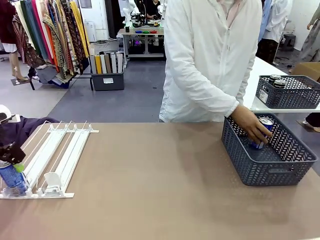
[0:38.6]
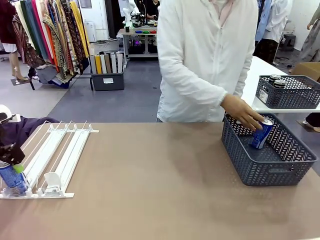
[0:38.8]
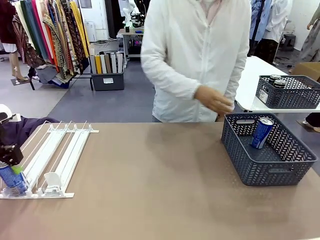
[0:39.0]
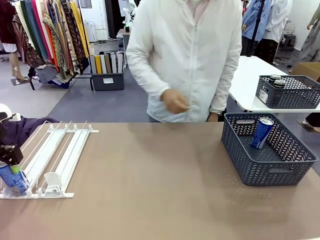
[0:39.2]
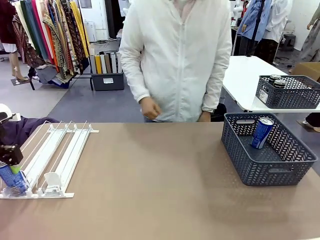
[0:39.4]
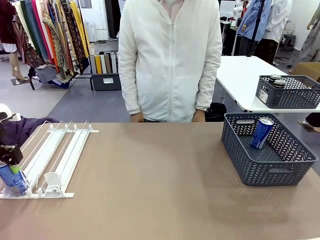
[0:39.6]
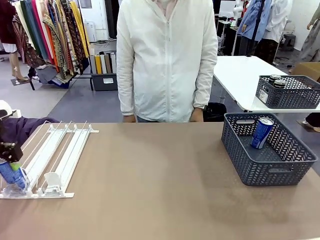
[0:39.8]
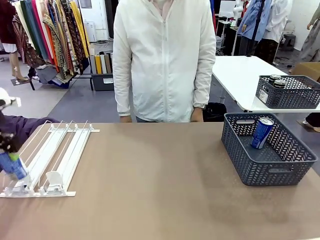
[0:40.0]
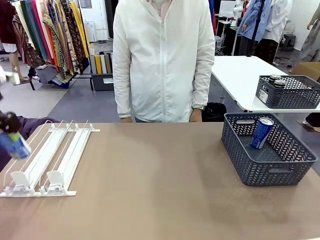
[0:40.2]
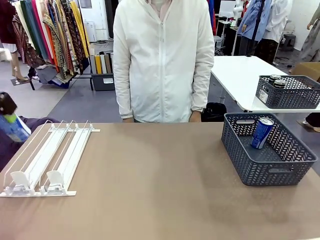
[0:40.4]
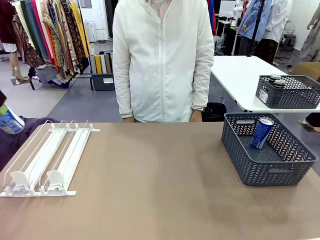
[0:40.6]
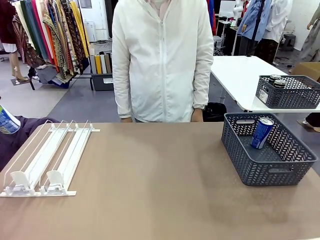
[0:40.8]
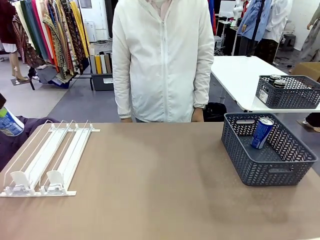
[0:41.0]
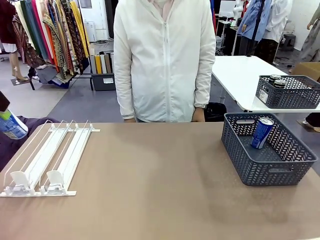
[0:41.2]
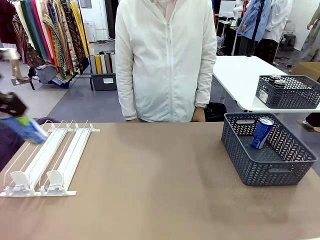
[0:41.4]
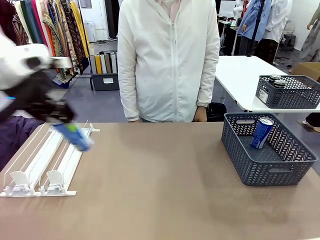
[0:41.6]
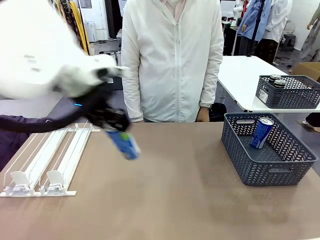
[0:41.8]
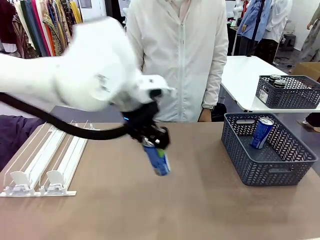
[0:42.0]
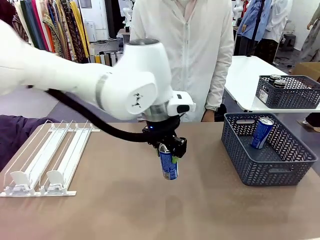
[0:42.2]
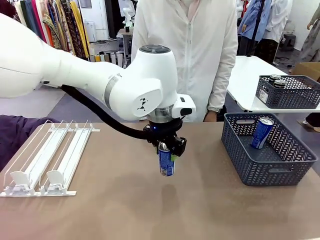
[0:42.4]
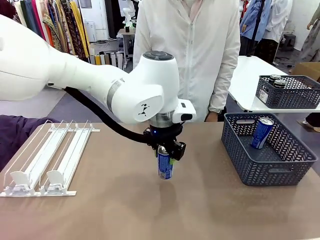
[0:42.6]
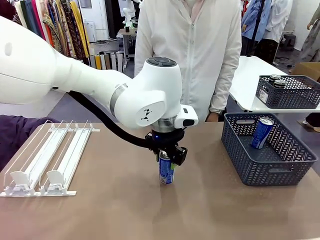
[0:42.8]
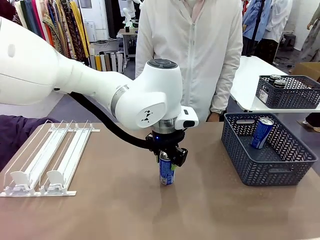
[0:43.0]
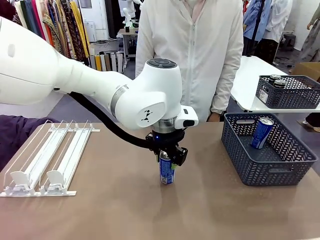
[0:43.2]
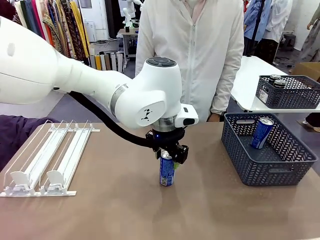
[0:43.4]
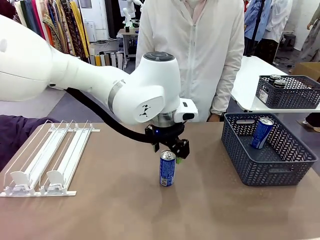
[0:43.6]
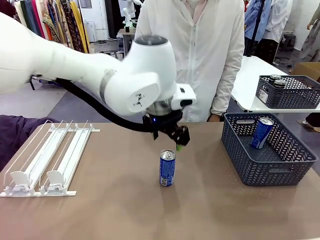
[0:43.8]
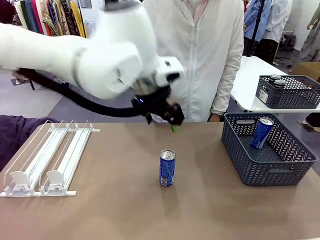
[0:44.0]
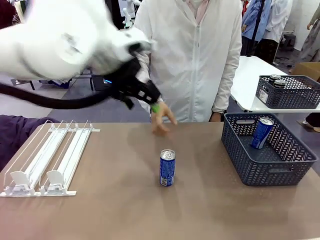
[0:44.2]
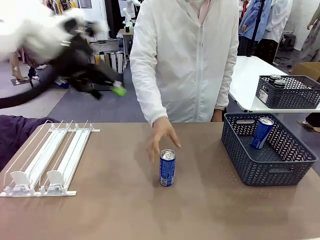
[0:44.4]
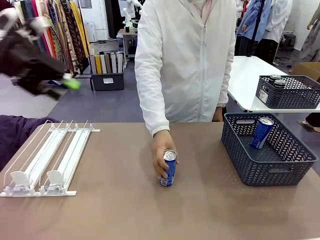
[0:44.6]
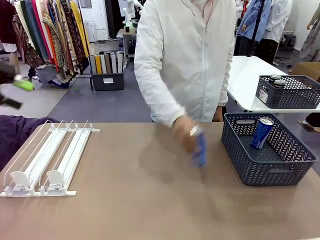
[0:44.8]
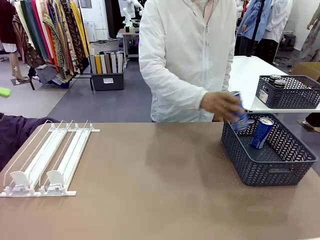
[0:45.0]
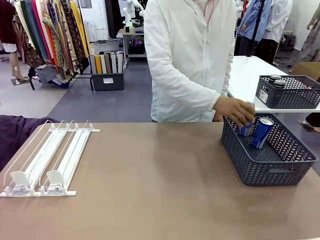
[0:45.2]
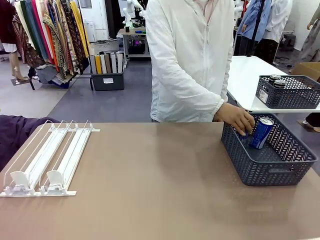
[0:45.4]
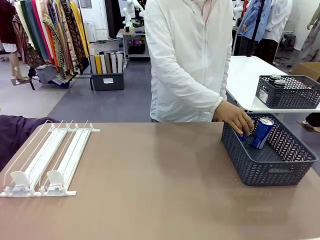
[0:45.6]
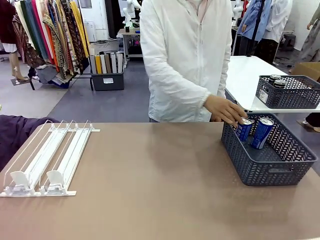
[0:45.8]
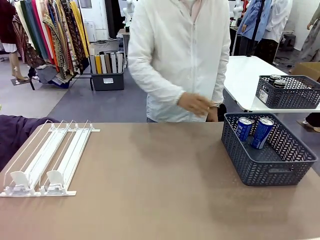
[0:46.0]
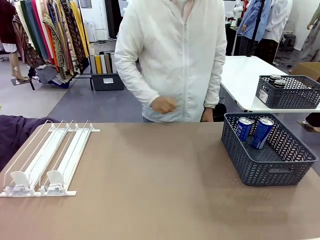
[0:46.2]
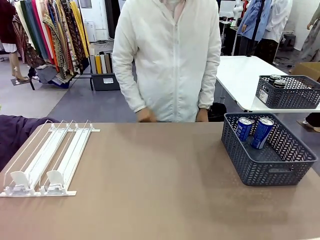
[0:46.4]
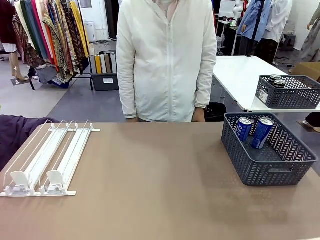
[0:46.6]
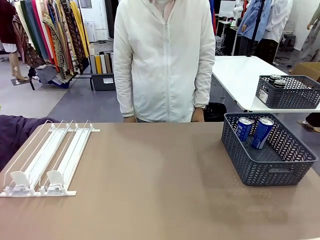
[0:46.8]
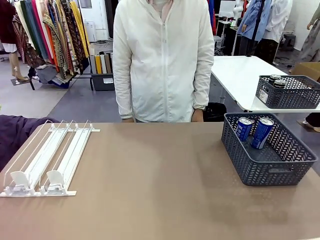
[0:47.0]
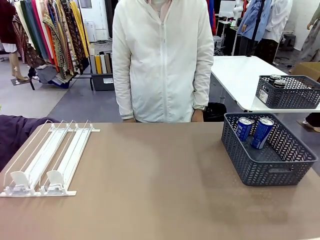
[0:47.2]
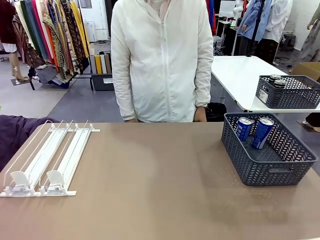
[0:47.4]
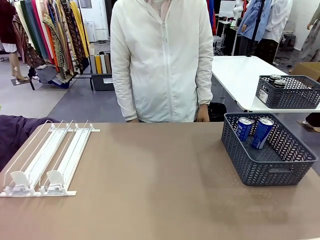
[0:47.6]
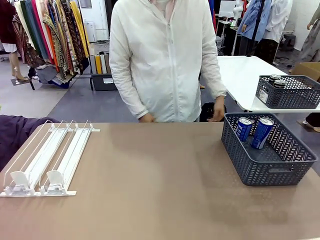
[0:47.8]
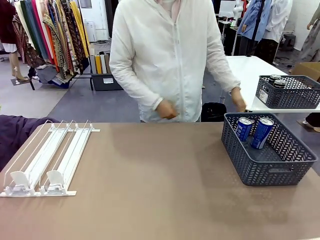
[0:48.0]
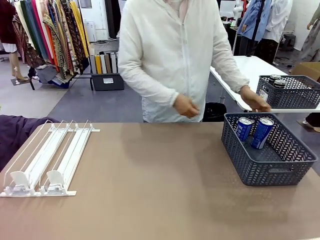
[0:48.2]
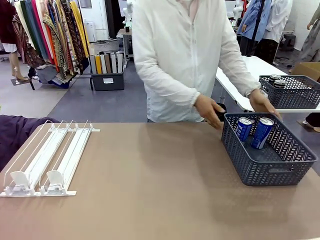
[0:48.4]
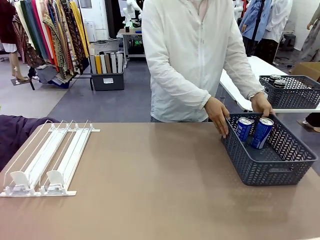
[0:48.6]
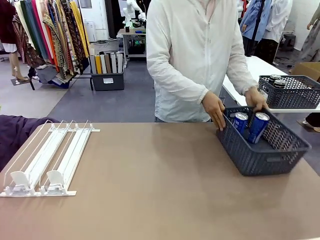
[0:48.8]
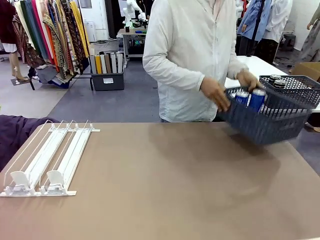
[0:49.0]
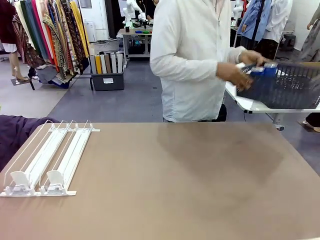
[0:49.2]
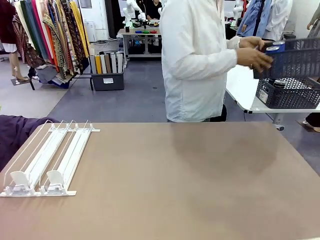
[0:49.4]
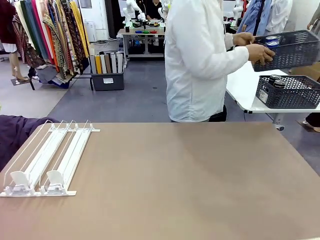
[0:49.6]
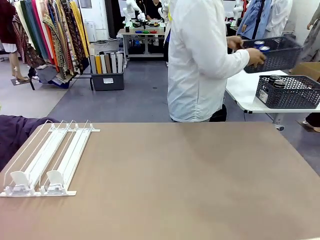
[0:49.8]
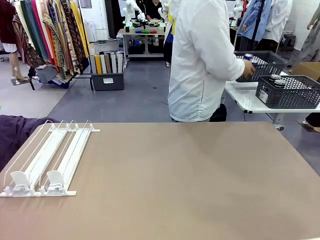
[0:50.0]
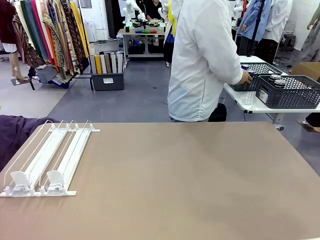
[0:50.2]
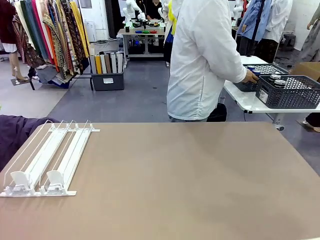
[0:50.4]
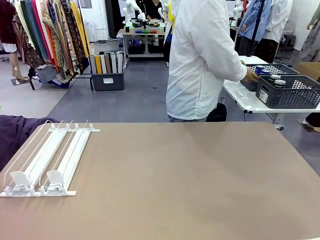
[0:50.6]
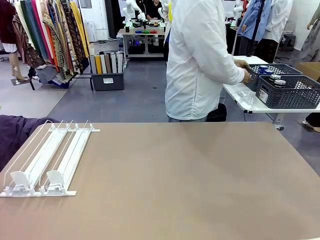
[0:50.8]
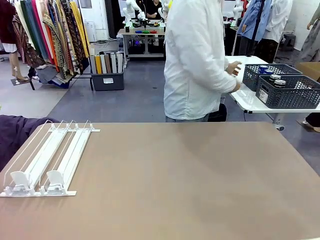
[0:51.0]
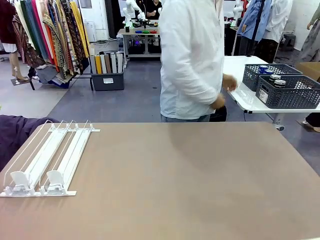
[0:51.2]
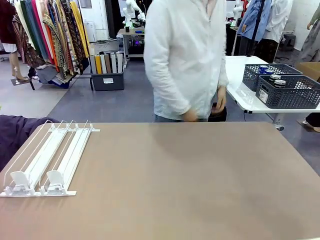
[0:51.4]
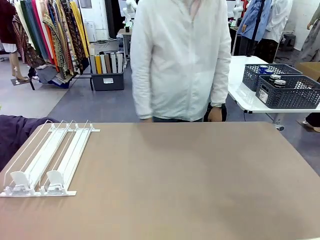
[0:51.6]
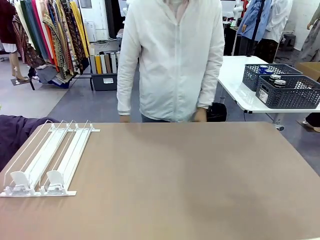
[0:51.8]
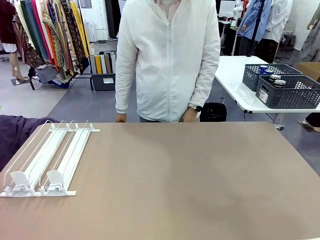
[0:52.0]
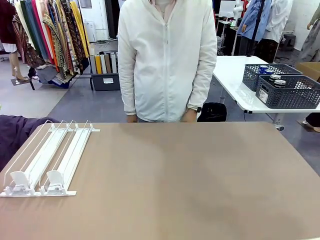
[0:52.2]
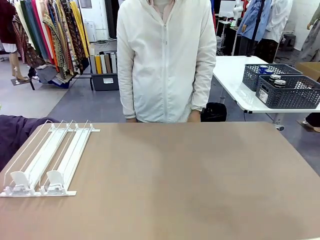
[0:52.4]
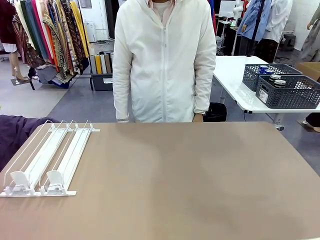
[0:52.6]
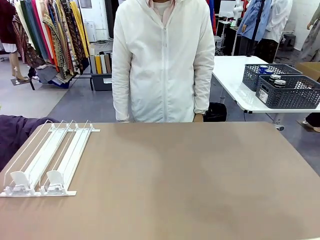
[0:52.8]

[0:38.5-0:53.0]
Task: Retrieve and store the cans from the dispenser.
Robot: Pick up one can from the Automatic Can Dispenser and place it in the middle of the table.
Person: Pick up one sports drink can from the middle of the robot table and place it in the basket. Pick up the basket and place it in the middle of the human table.

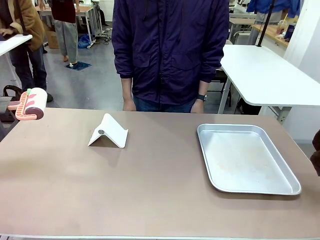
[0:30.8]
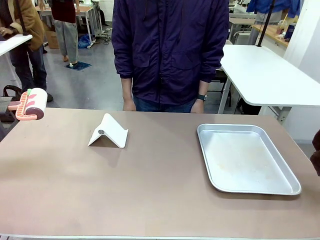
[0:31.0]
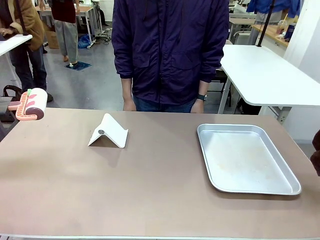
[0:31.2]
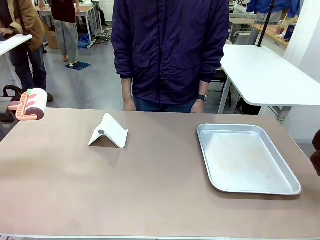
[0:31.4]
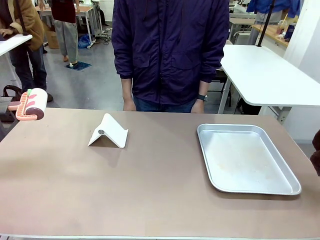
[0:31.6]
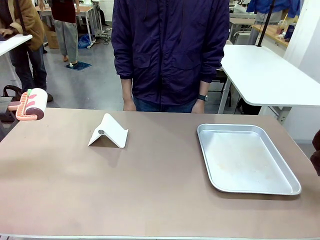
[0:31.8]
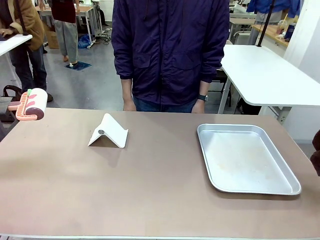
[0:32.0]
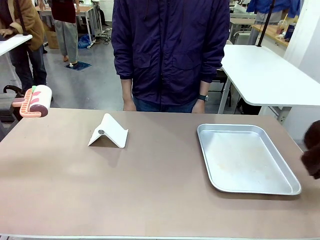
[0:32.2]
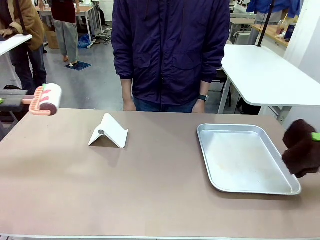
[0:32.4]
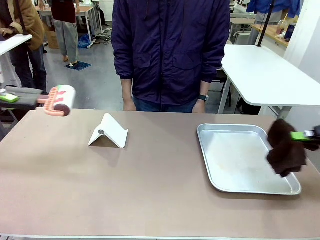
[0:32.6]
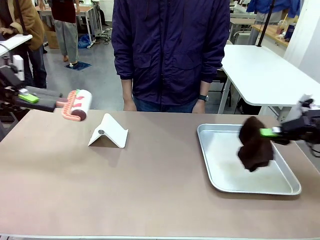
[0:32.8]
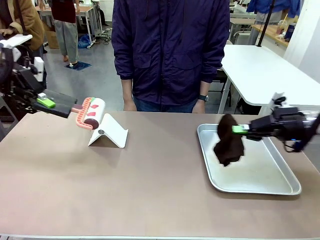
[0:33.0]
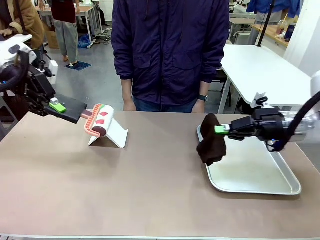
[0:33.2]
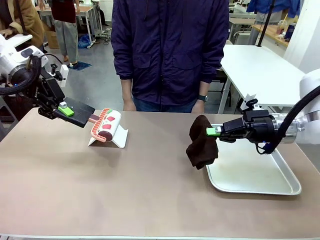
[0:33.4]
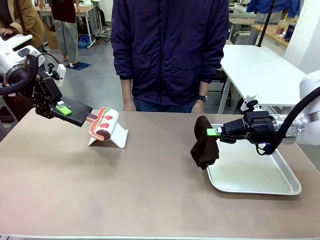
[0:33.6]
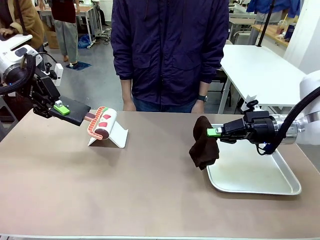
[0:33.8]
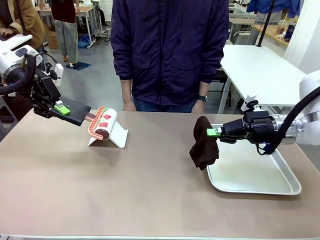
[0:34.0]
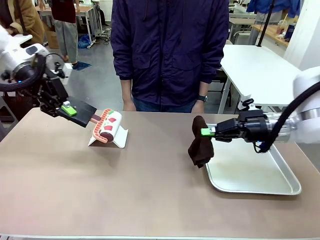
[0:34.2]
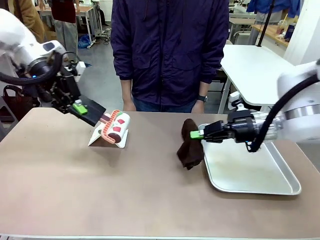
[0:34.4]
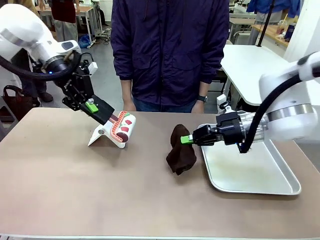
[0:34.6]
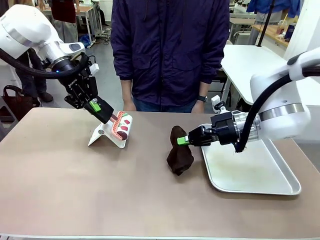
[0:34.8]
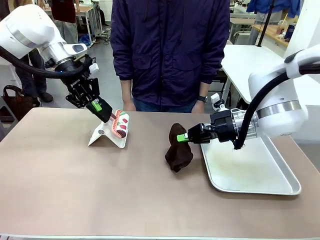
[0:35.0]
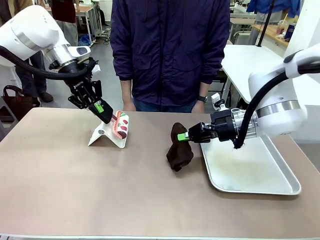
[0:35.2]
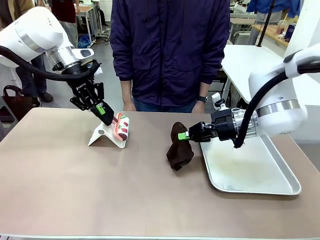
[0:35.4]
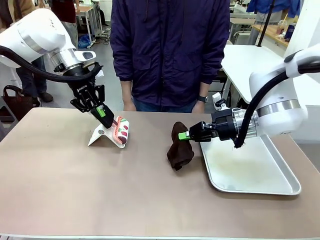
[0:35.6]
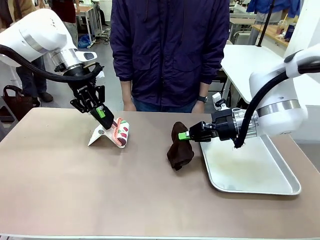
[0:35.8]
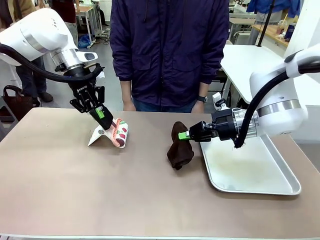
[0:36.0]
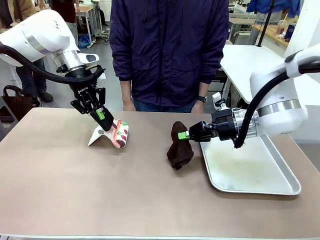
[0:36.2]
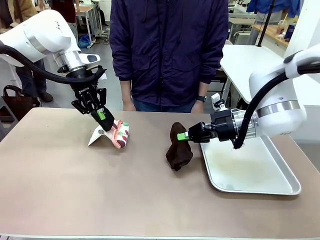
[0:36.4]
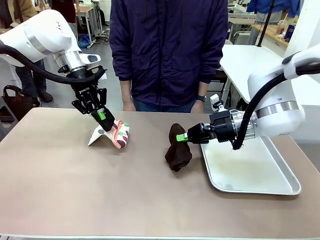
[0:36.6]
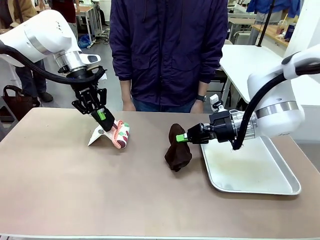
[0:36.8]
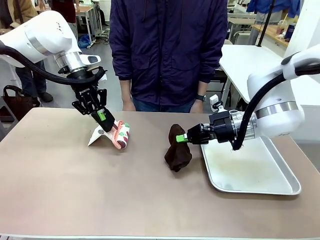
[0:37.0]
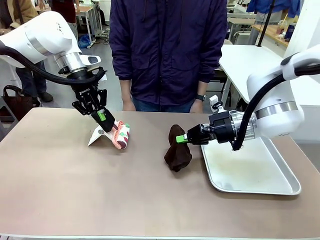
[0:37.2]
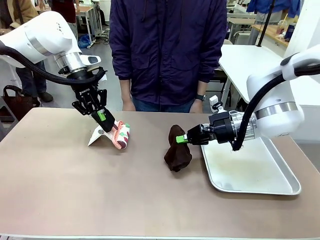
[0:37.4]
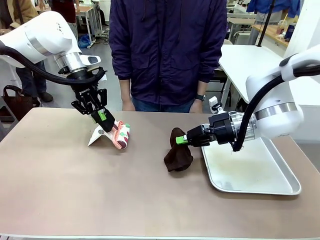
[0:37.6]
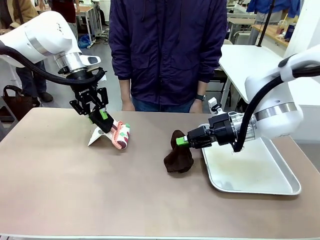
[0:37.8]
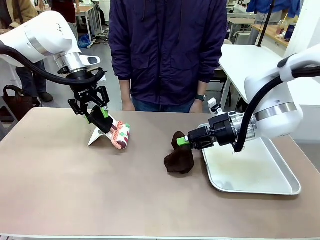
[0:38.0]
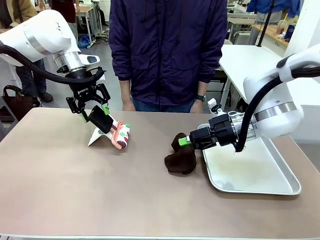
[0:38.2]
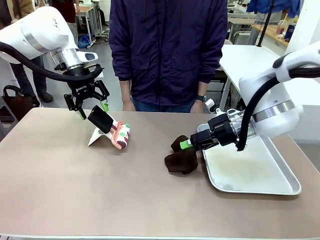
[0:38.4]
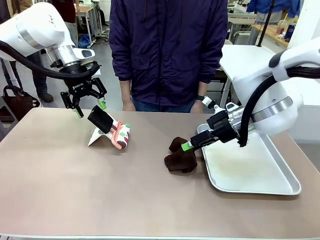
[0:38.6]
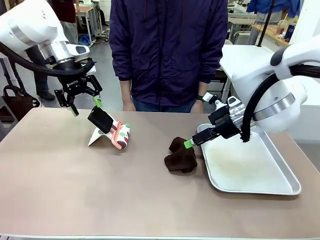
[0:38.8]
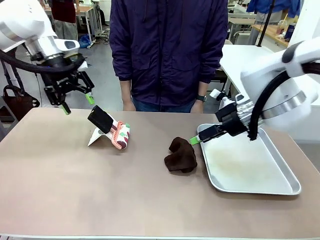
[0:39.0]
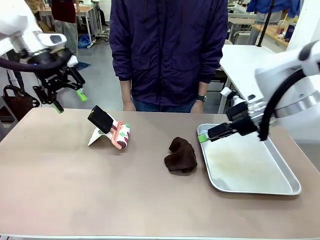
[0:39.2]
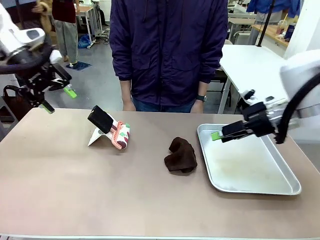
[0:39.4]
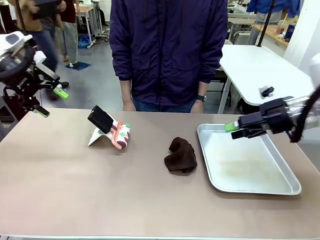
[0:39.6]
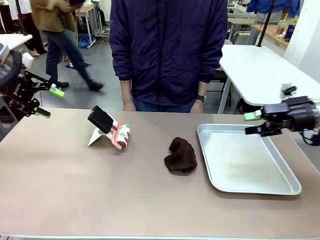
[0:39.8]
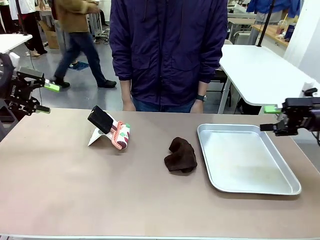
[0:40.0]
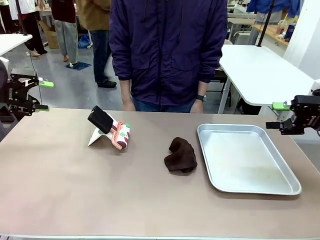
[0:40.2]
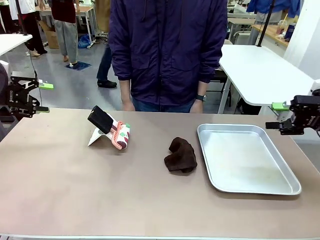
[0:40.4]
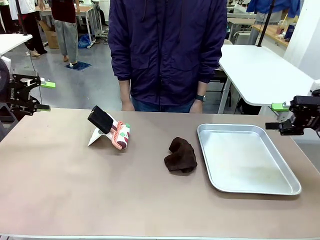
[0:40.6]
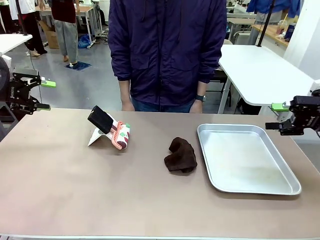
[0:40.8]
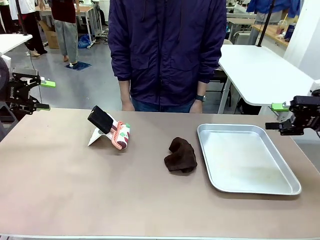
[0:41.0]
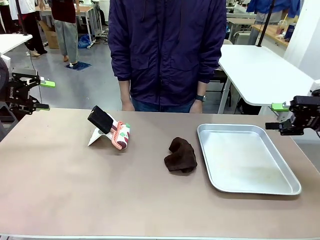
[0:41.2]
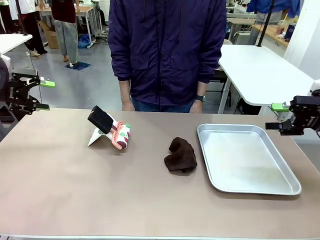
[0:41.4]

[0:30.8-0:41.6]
Task: Clean the surface of the table.
Robot: Return the Lint Roller and towel to their original positions.
